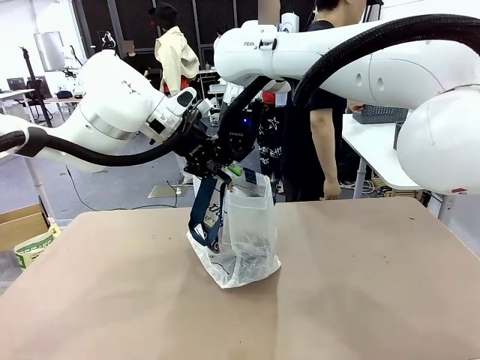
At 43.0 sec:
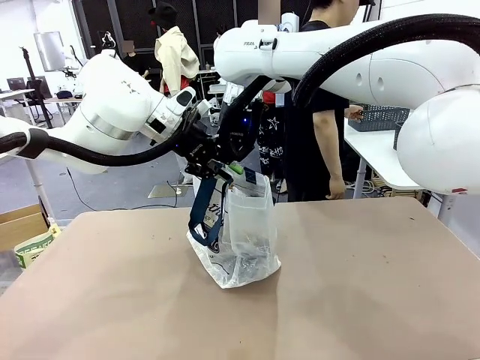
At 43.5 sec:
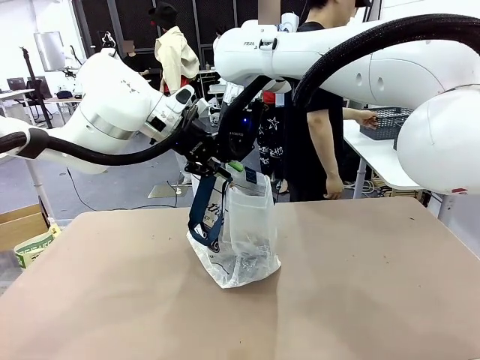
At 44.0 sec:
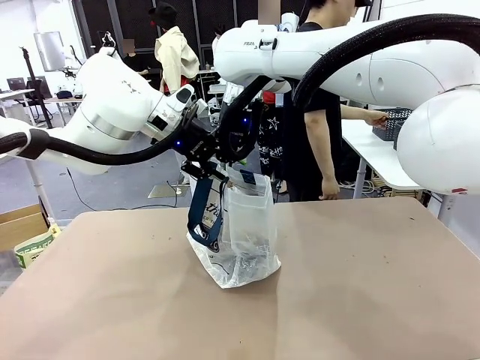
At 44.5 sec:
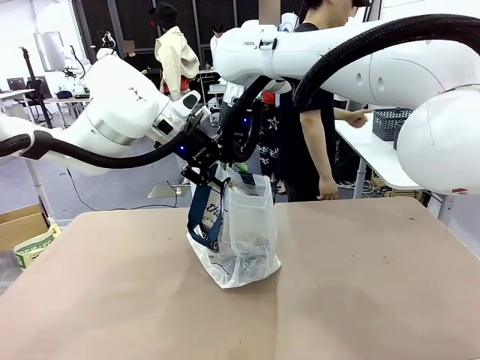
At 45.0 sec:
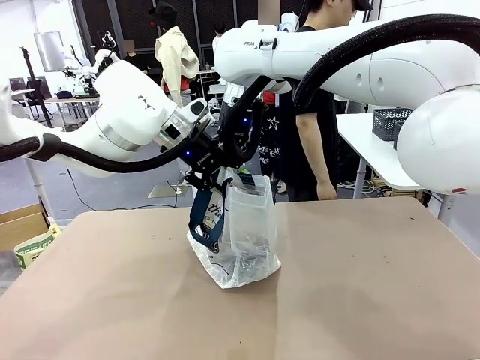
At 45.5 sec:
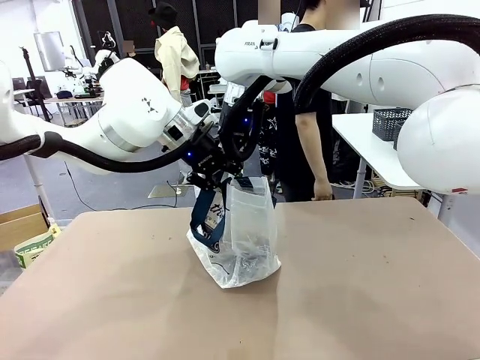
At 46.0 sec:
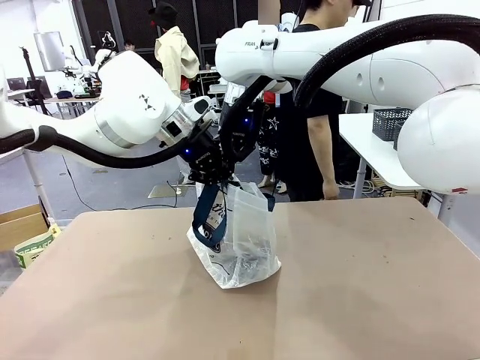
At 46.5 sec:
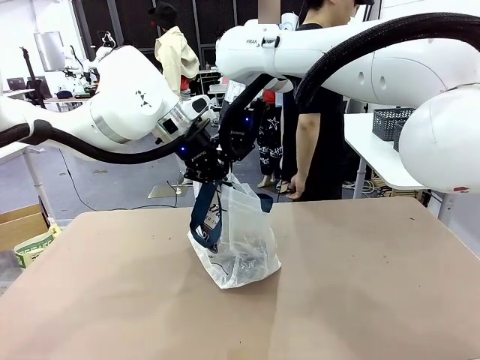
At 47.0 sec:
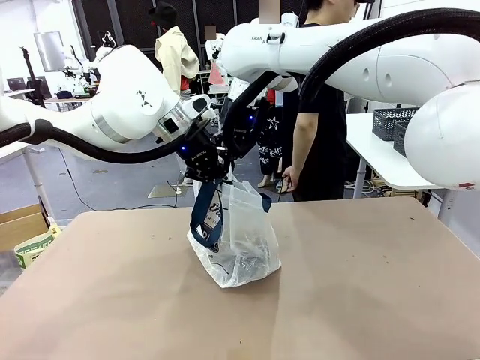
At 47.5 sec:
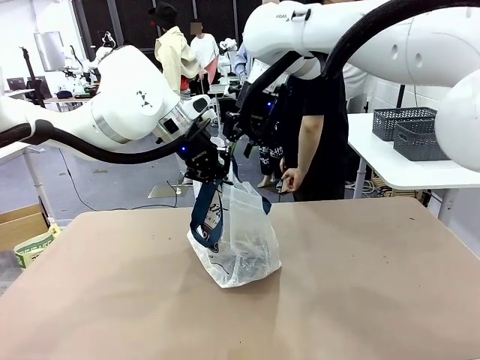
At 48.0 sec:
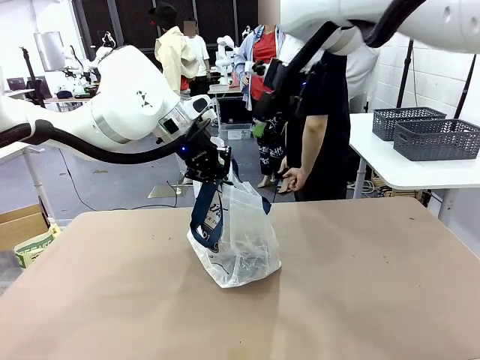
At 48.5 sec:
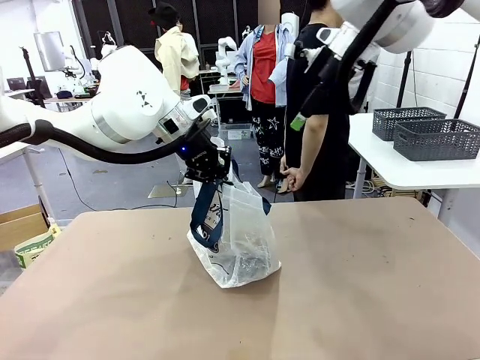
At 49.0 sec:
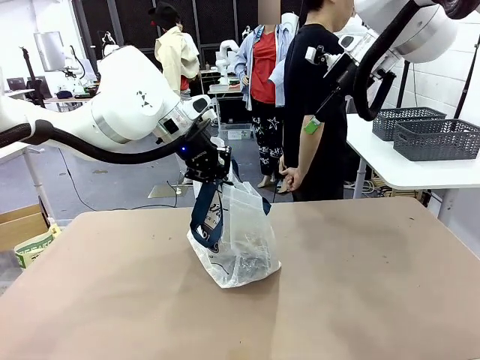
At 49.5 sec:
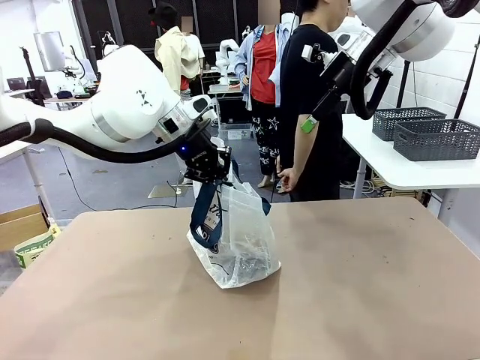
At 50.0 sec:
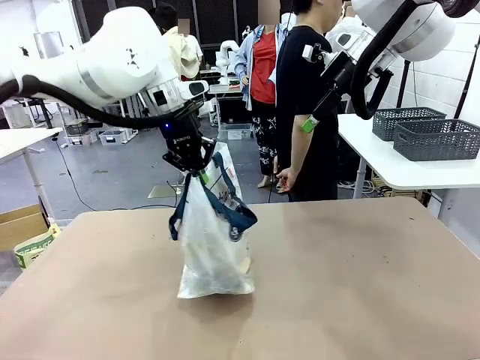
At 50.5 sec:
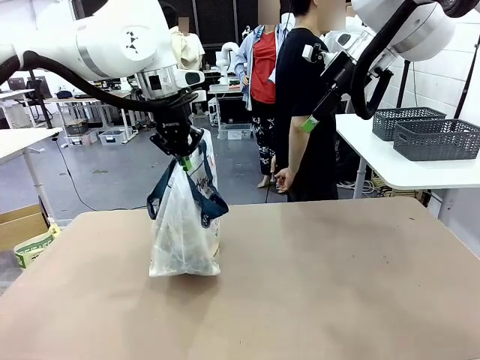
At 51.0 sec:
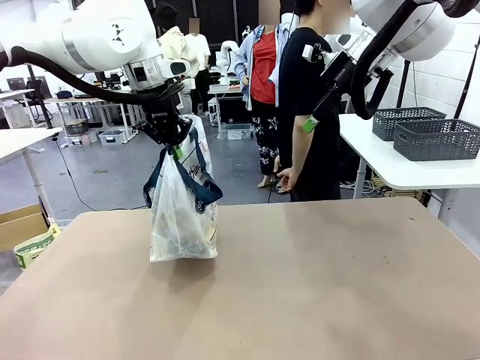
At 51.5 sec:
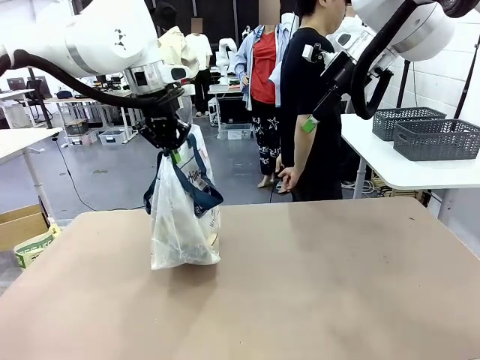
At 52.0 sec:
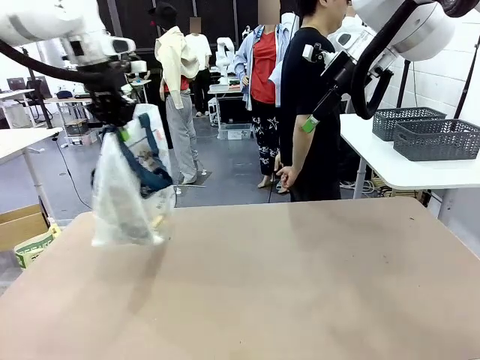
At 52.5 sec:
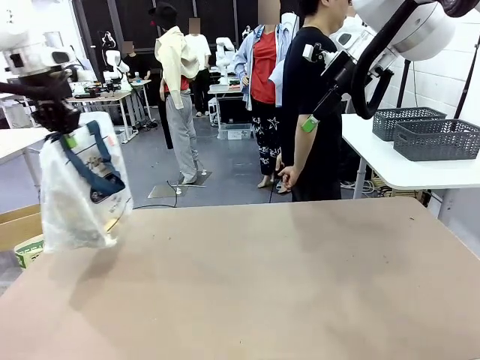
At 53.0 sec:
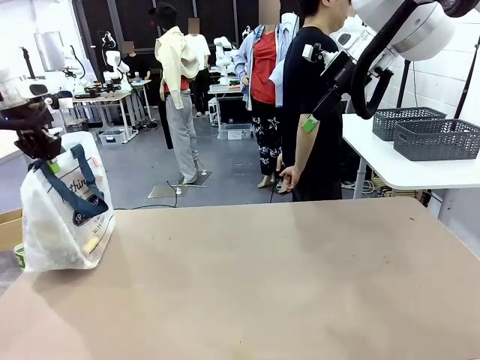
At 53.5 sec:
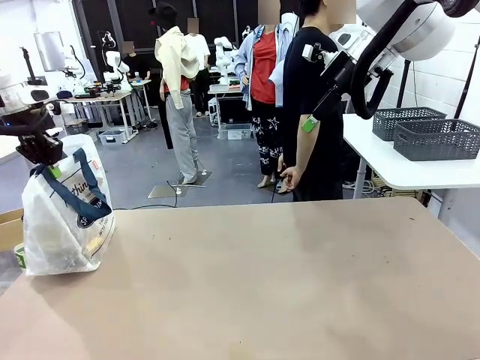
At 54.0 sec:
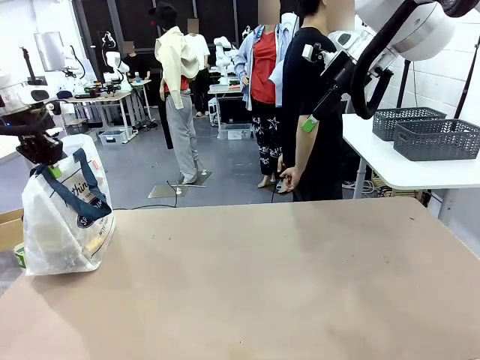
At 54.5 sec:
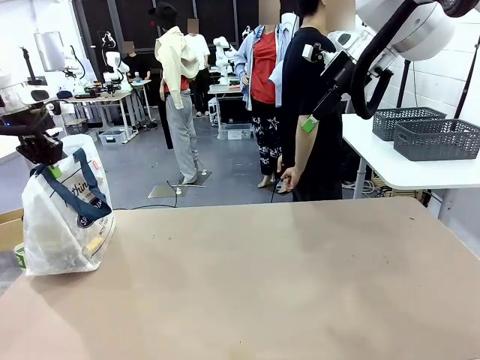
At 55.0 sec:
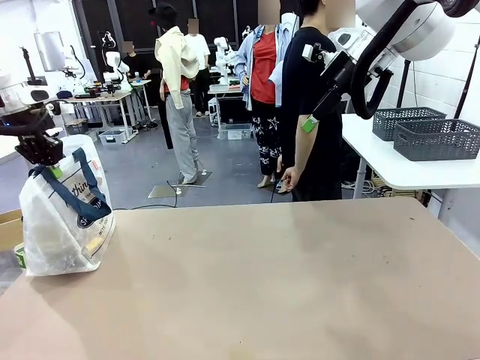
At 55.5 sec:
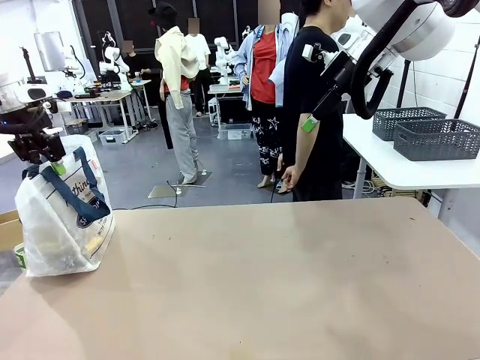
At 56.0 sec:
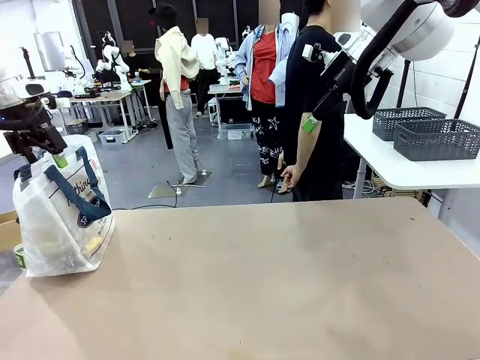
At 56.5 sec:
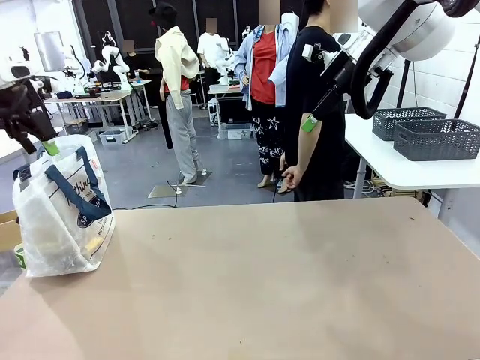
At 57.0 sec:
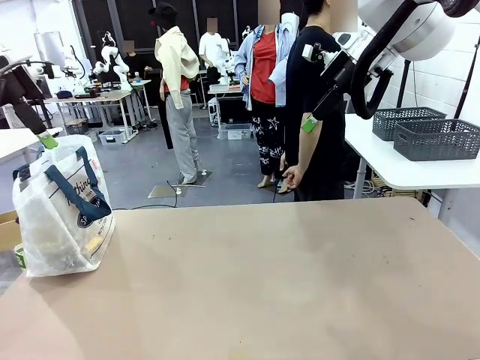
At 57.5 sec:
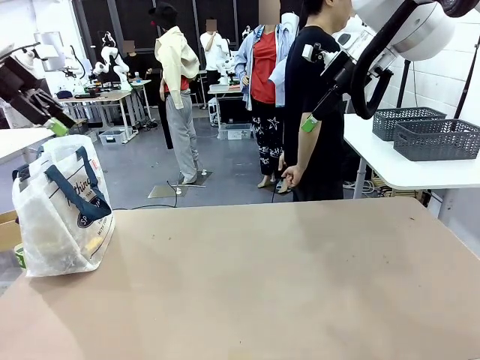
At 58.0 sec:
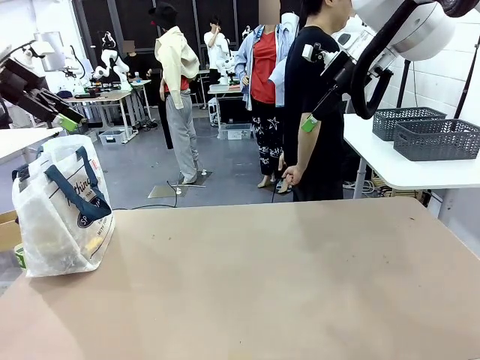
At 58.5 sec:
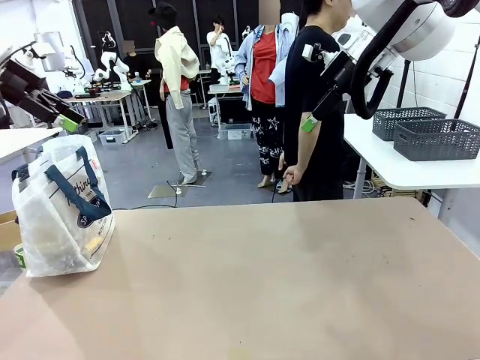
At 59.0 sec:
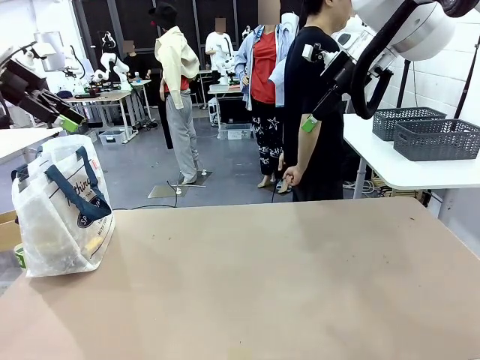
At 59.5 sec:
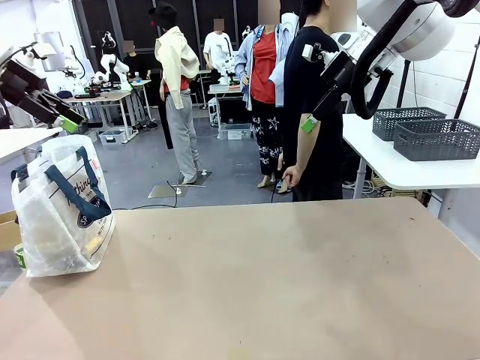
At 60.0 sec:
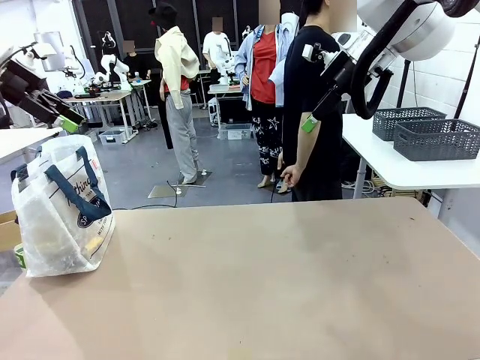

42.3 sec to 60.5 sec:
Task: Transfer purchased items from the store into the shopping bag.
Robot: Move the Reusable shopping bag to the right side of the table.
Person: Move the basket on the left to the middle of the person's table.
